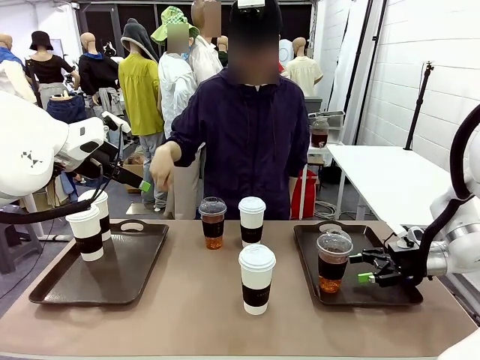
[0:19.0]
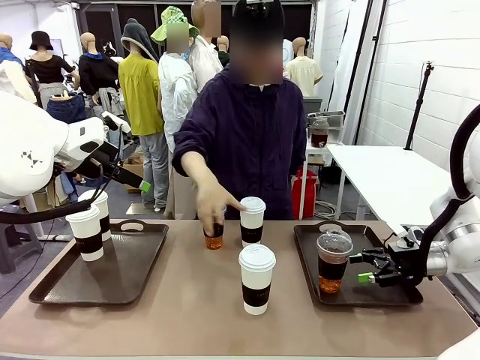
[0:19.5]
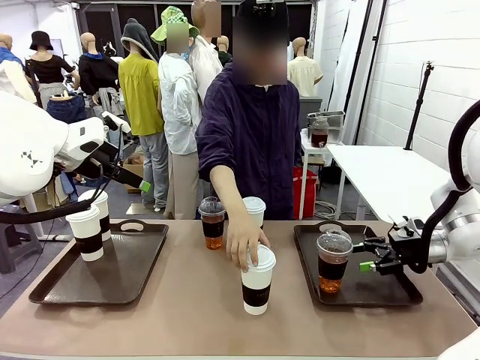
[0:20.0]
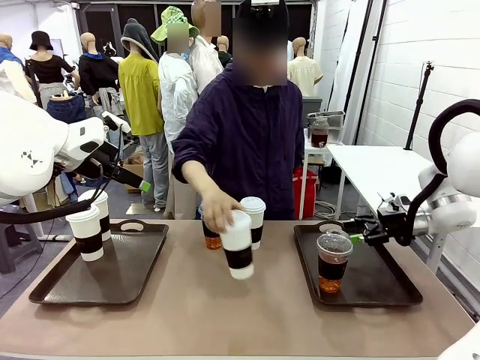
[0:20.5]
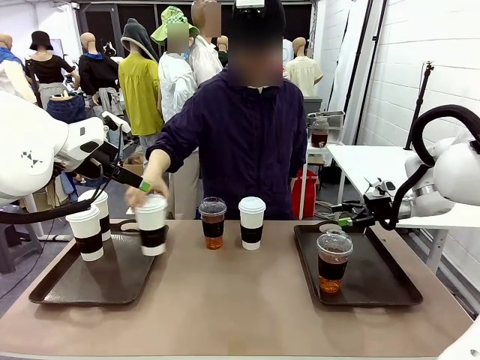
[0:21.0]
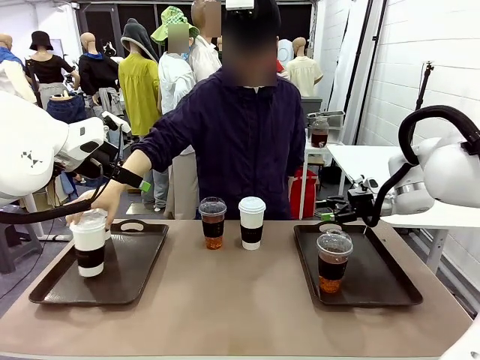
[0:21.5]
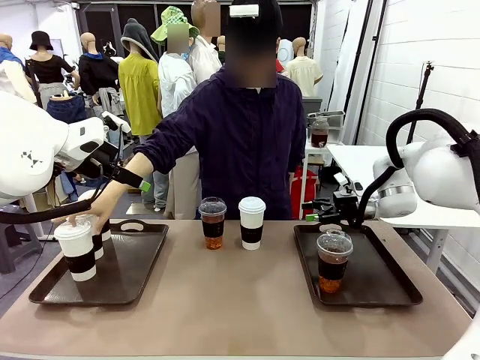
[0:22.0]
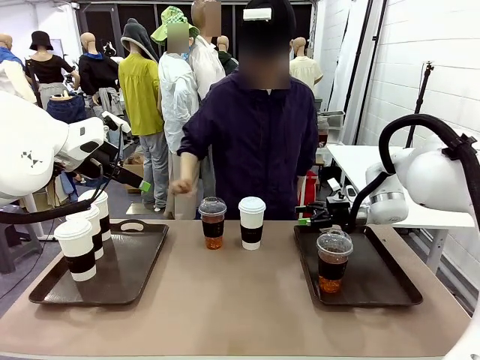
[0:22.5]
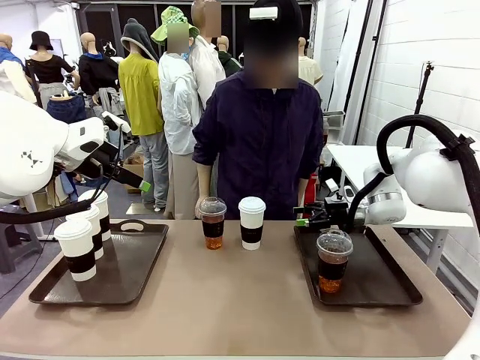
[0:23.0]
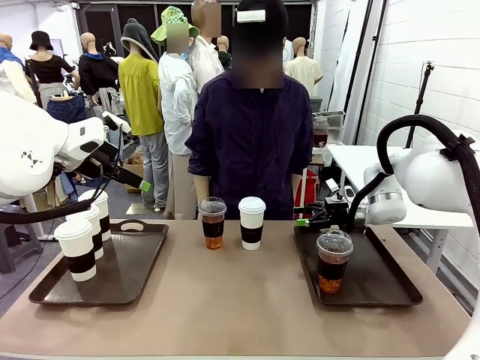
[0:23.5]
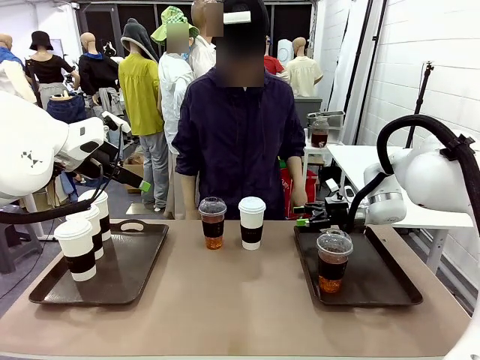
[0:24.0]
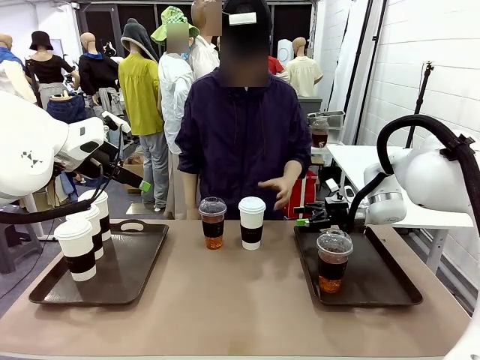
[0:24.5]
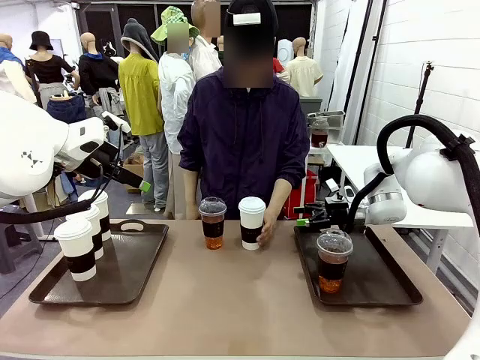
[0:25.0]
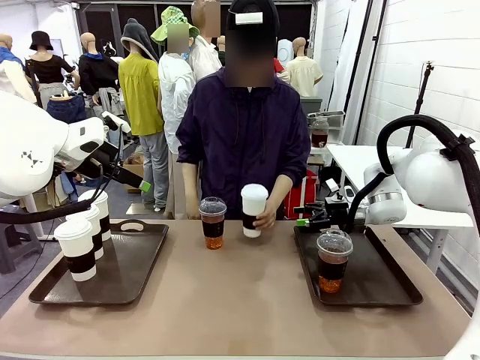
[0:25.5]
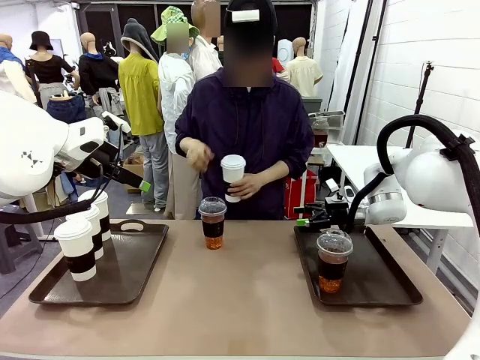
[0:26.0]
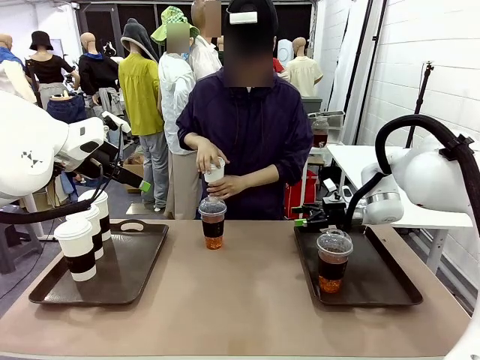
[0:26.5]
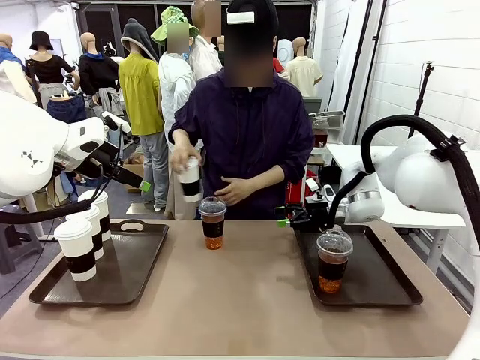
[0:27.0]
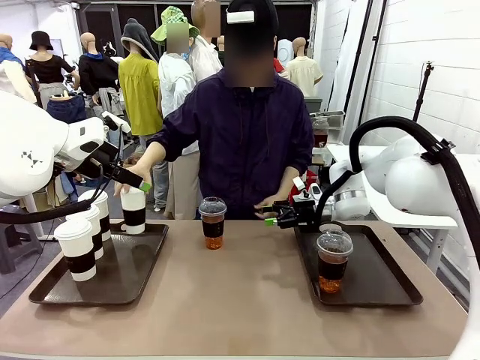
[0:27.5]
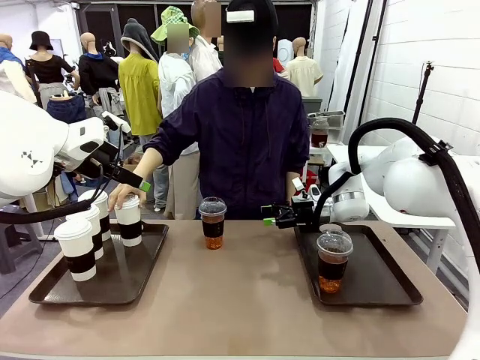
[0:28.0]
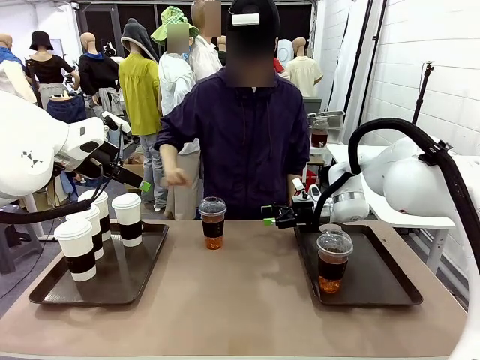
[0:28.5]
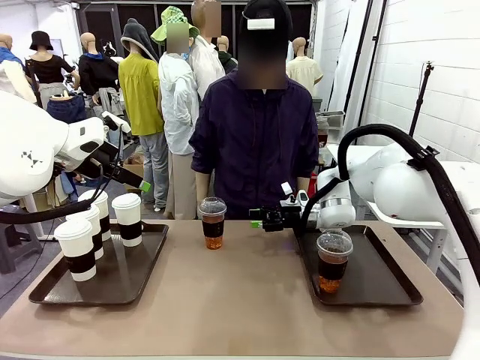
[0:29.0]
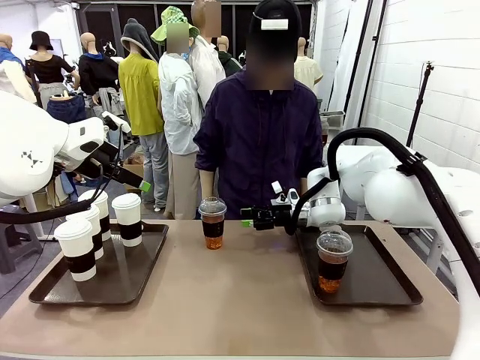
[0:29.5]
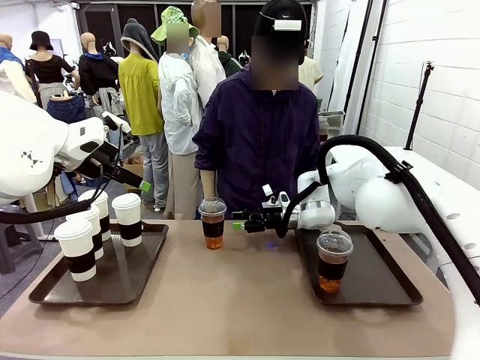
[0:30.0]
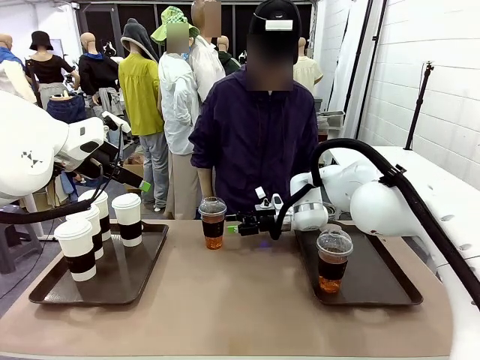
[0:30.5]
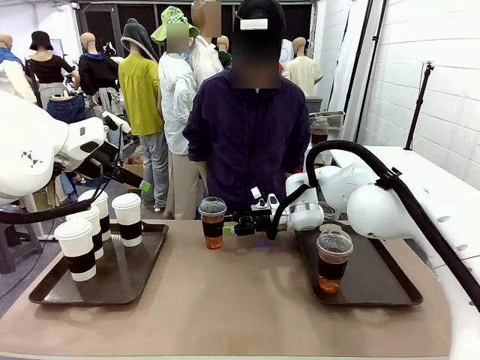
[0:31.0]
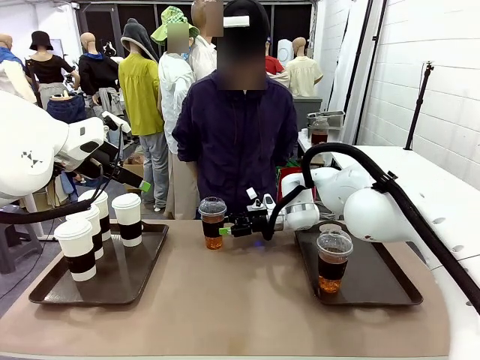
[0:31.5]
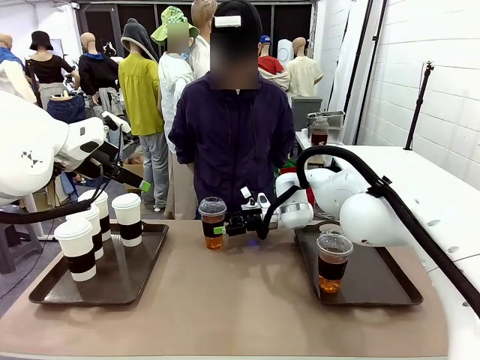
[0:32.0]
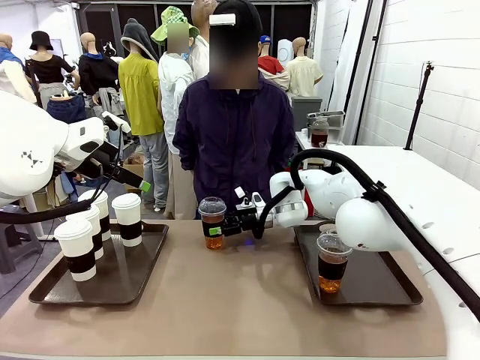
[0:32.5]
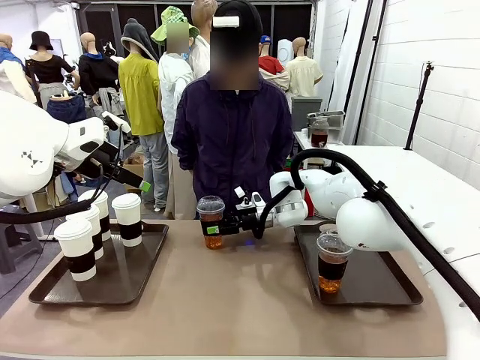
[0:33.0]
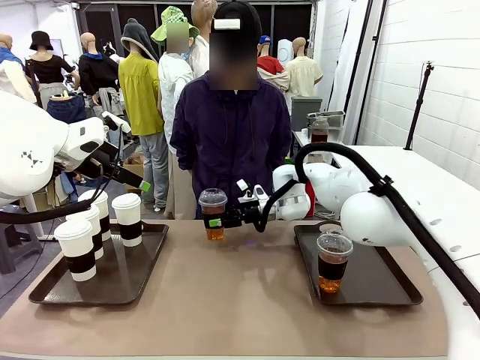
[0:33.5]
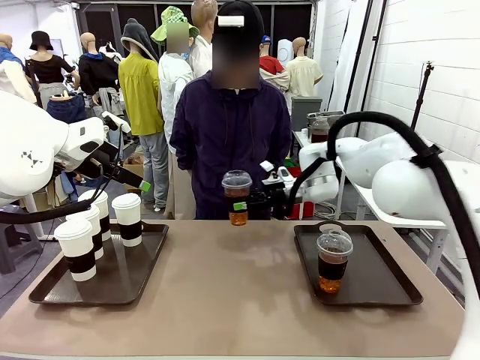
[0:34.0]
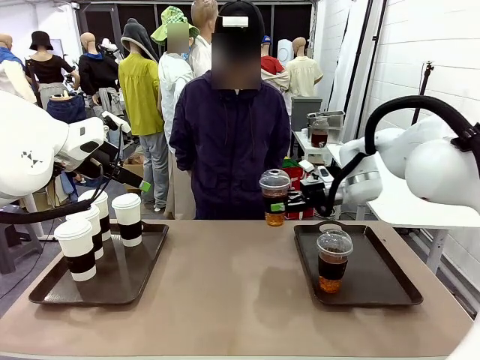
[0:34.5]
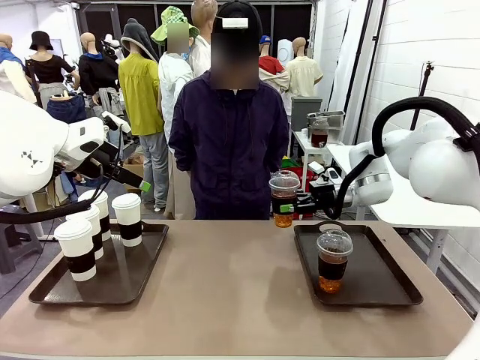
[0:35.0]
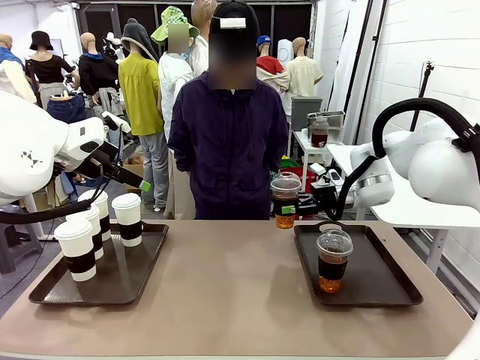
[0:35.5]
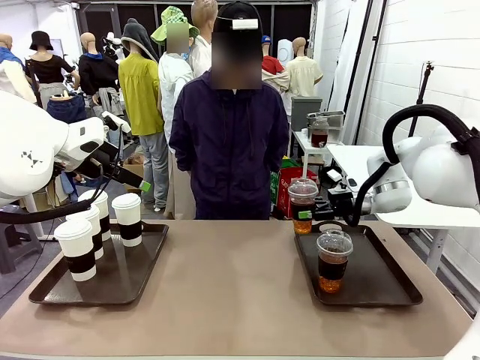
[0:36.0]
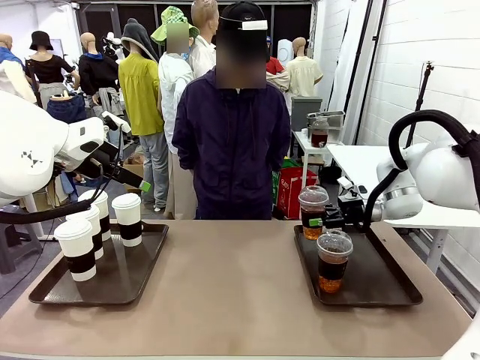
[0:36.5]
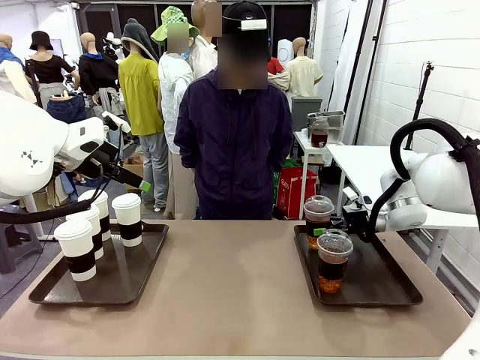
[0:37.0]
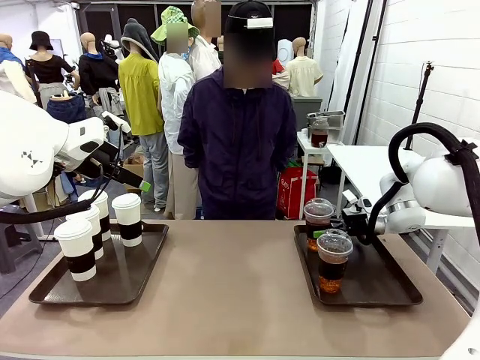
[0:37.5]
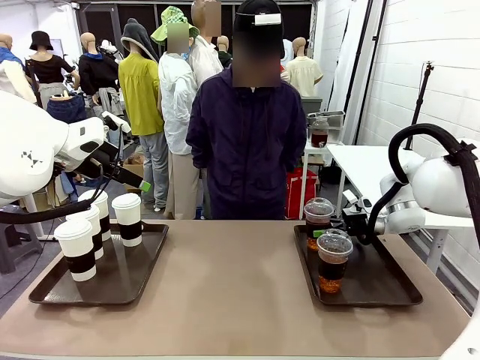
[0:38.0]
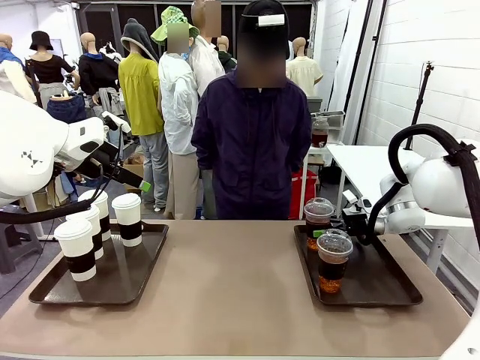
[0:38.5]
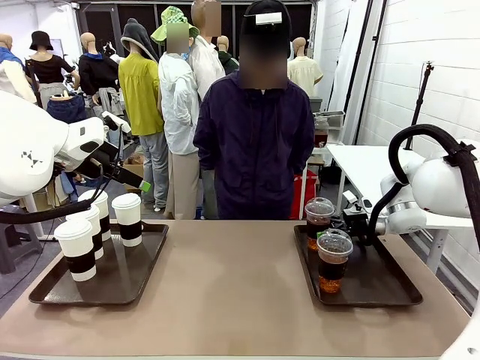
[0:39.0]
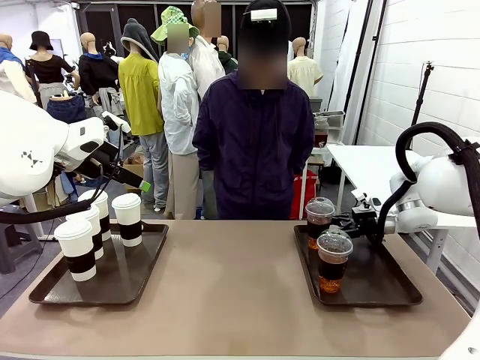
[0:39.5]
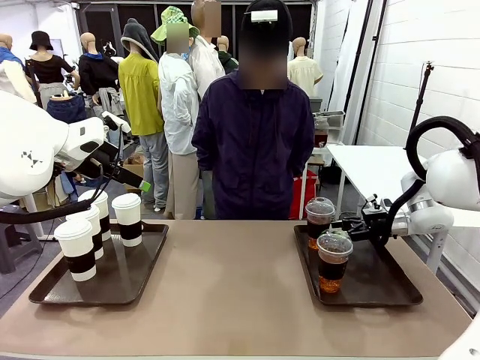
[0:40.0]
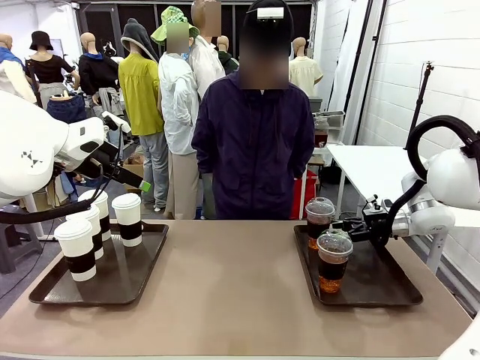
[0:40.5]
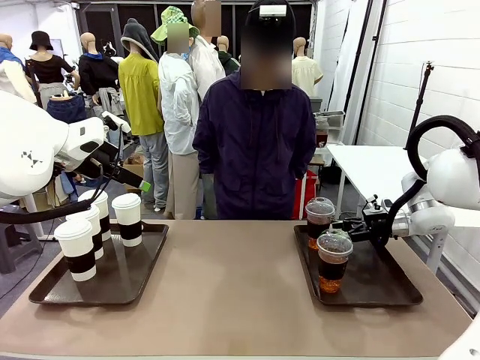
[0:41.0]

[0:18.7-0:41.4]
Task: Distribute the coffee onto the tray.
Robot: Pick up another iced Americano from the middle of the table and place it on the right Handle tray.
Person: Pick up a cup of hot Americano from the middle of the table and place it on the right tray.

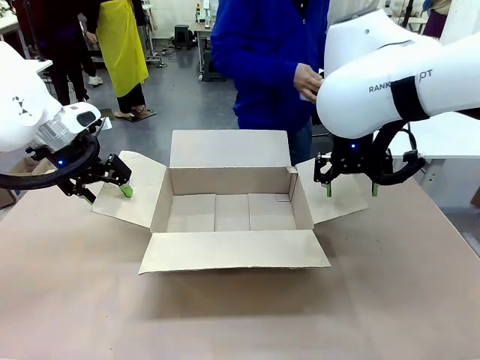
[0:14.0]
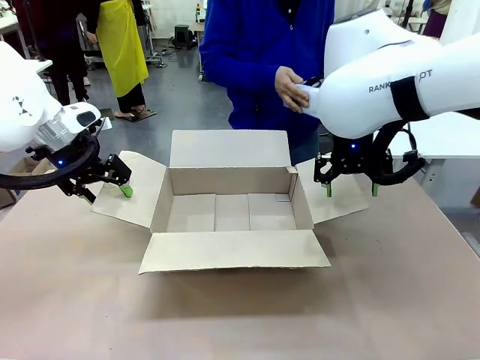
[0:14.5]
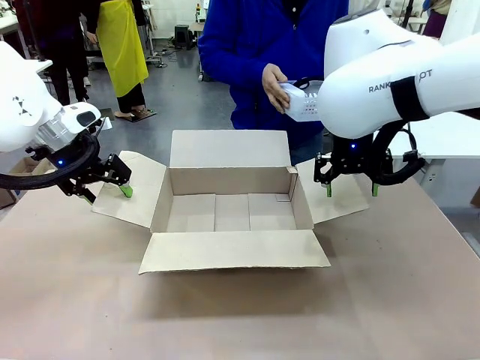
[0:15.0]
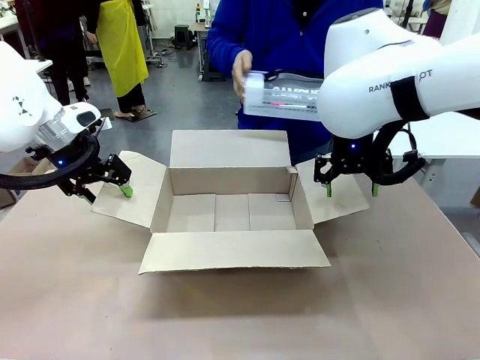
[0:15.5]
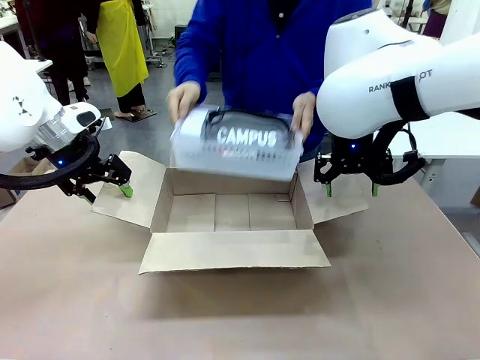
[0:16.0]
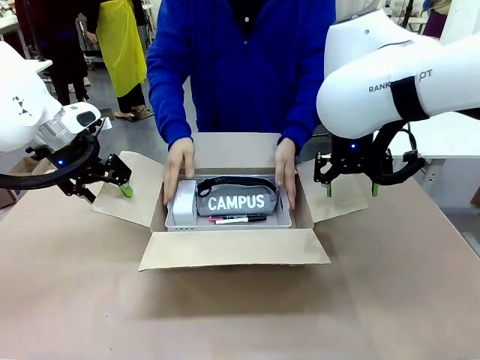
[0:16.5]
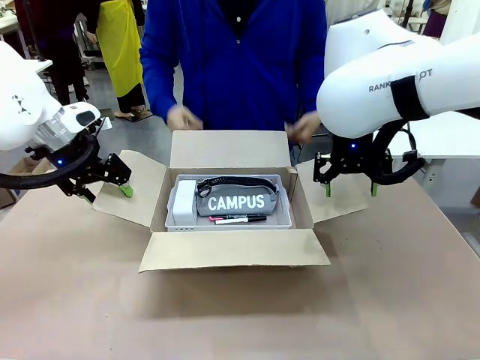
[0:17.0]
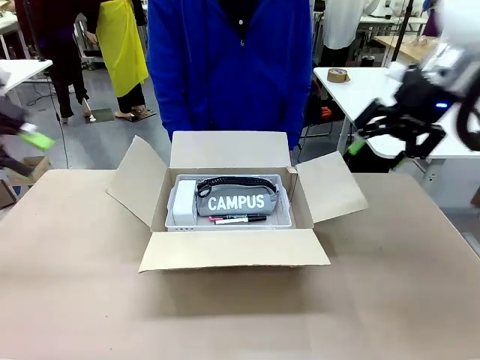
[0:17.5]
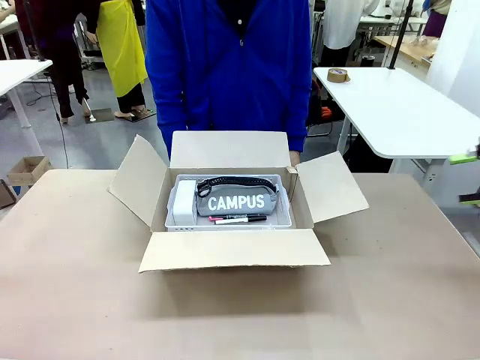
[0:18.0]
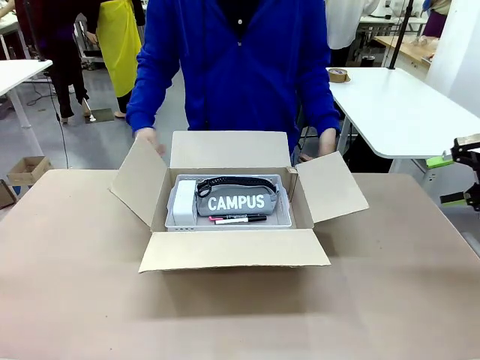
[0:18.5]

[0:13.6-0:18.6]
Task: Pack the gift set into the box.
Robot: Lift both hands away from the flaps of the Package Box.
Person: The human picks up the organizing basket and places the organizing basket into the package box on the robot table.
